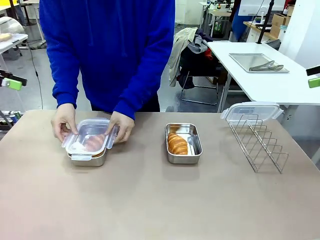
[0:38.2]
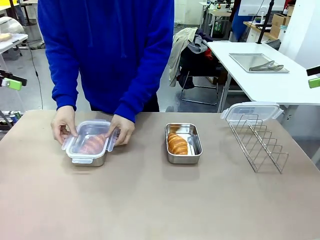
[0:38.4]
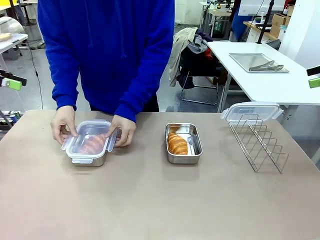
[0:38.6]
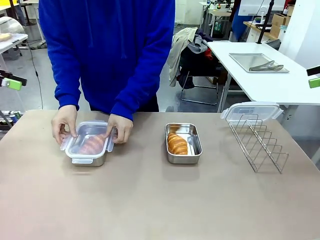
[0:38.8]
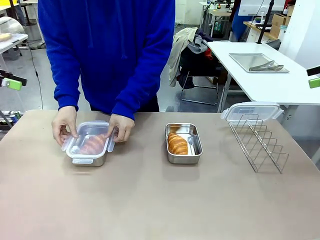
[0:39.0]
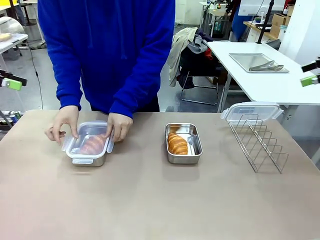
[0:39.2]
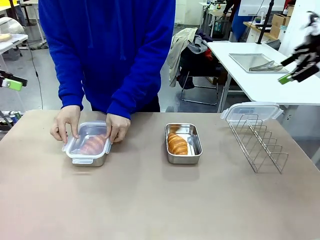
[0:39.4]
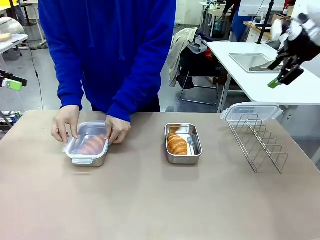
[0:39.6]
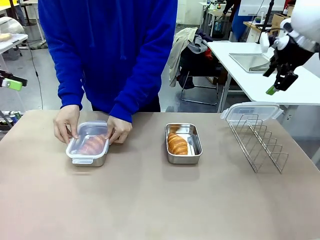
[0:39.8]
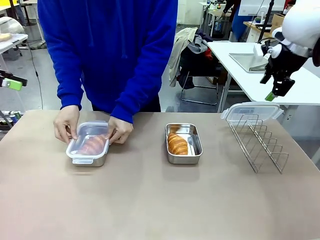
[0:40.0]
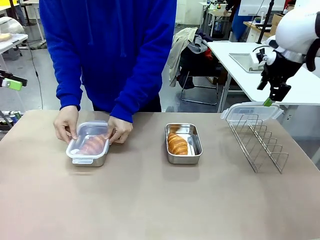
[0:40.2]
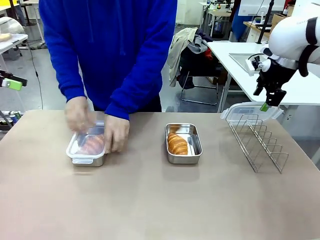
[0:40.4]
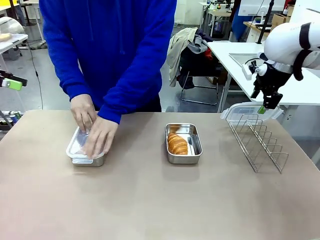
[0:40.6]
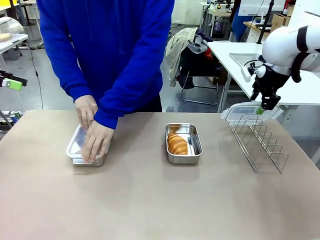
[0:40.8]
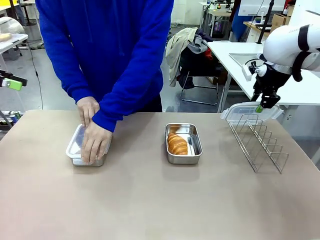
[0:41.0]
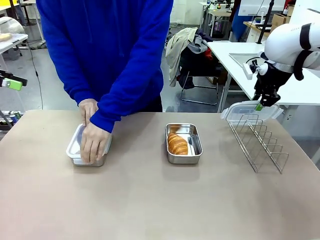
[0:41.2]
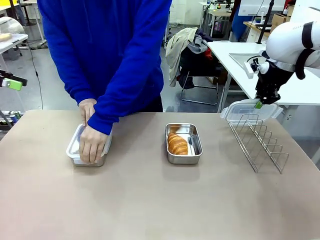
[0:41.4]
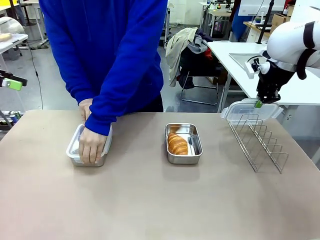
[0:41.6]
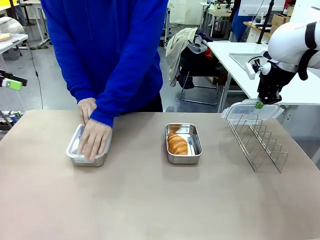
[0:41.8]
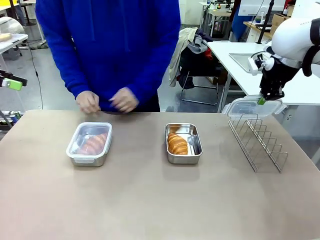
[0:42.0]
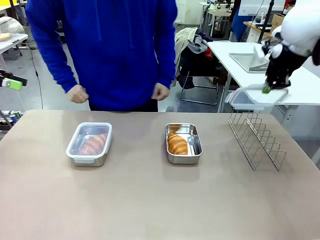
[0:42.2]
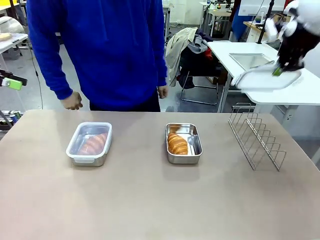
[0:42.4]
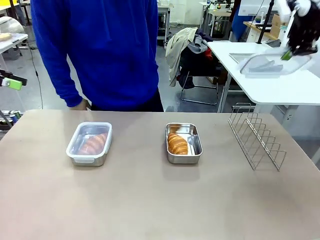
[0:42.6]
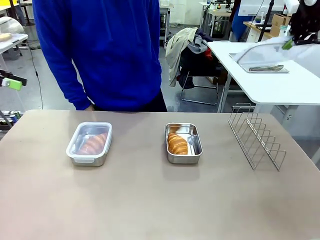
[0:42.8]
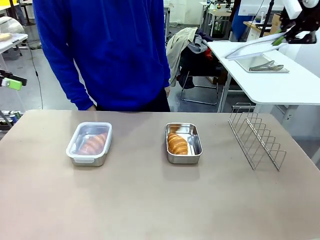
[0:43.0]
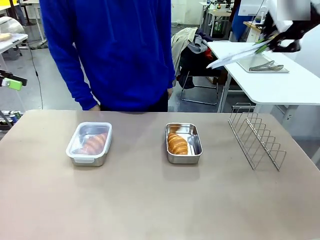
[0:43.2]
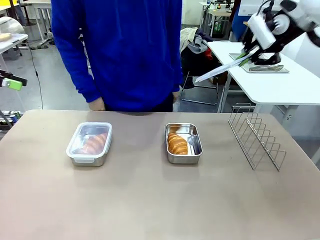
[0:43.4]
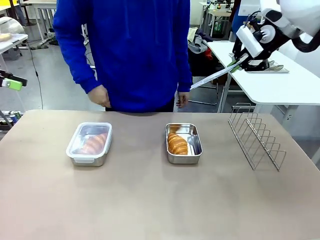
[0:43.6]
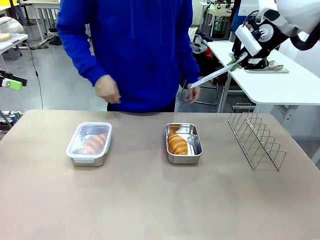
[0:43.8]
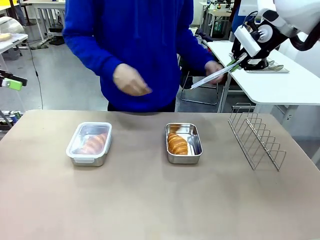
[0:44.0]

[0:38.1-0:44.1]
Task: Place the bread in airtight containers.
Robot: Pick up one Airtight Container lid and hand it to the human.
Person: Close Airtight Container with a handed Airtight Container lid. Grip Airtight Container lid that robot is handing.

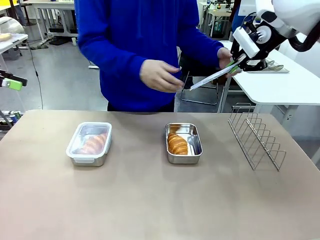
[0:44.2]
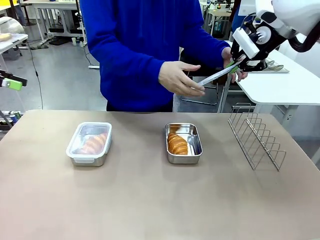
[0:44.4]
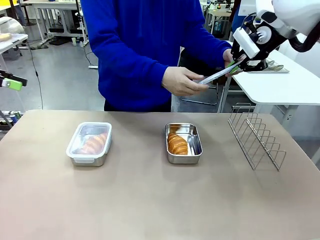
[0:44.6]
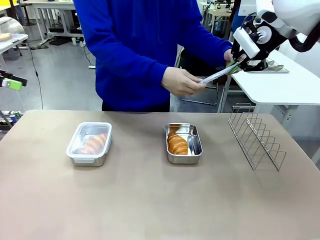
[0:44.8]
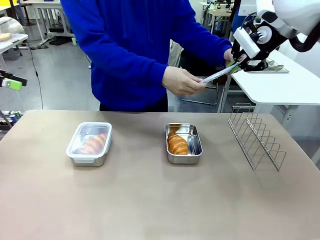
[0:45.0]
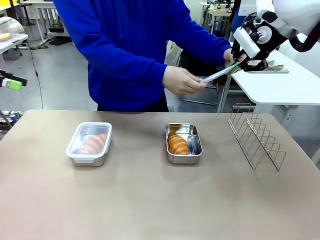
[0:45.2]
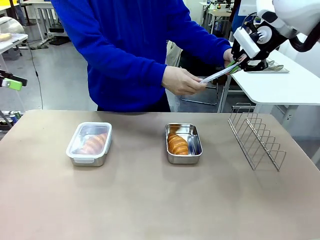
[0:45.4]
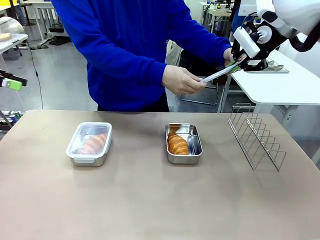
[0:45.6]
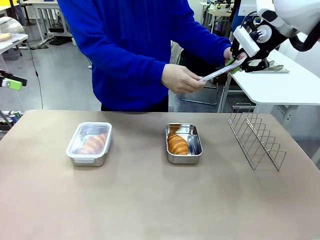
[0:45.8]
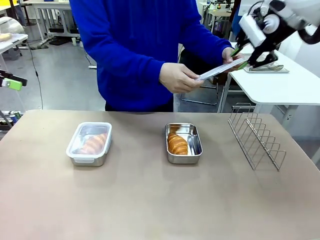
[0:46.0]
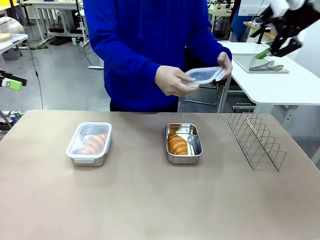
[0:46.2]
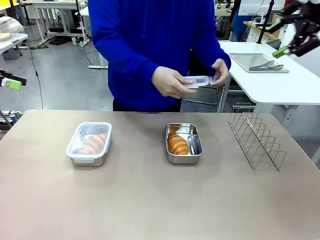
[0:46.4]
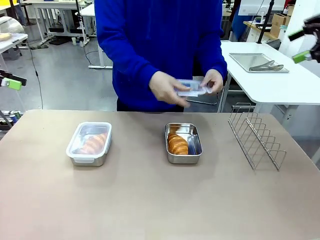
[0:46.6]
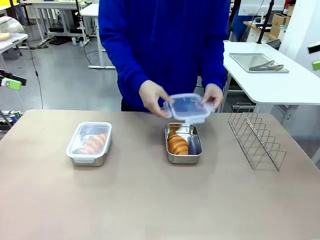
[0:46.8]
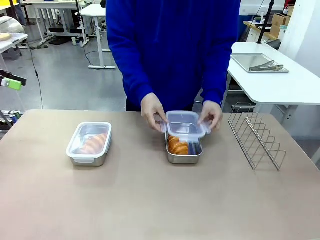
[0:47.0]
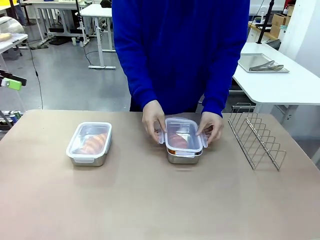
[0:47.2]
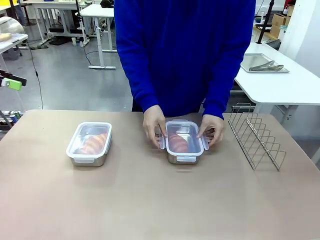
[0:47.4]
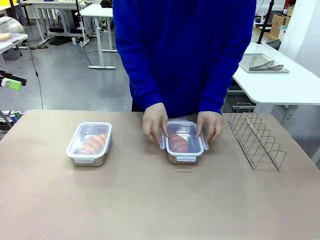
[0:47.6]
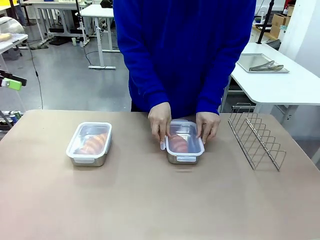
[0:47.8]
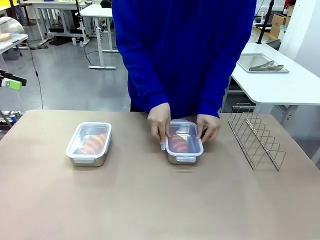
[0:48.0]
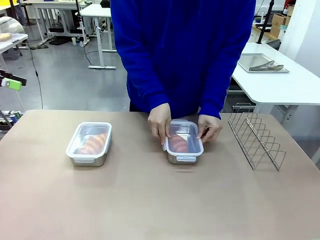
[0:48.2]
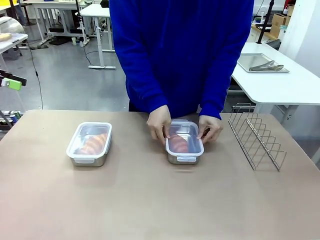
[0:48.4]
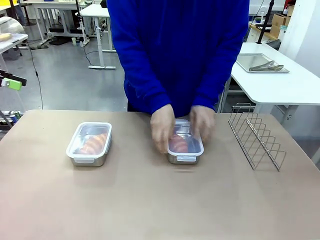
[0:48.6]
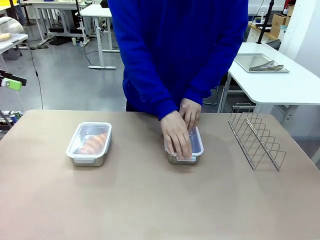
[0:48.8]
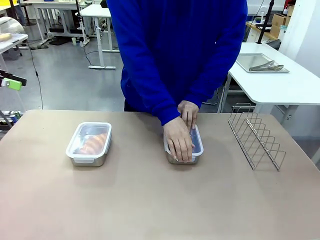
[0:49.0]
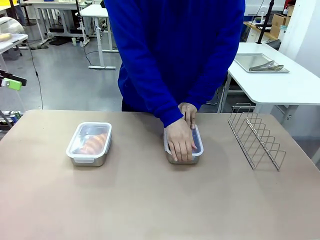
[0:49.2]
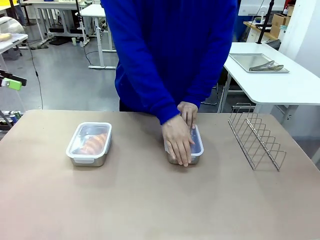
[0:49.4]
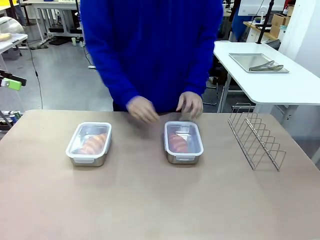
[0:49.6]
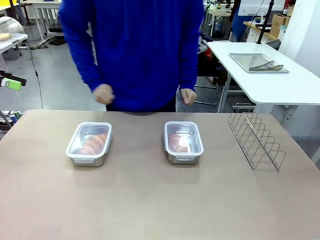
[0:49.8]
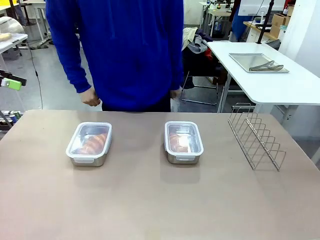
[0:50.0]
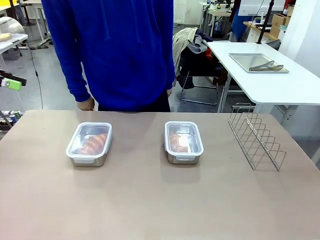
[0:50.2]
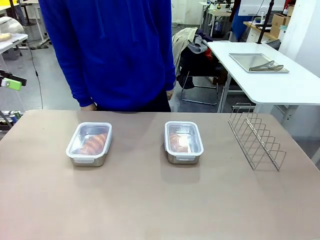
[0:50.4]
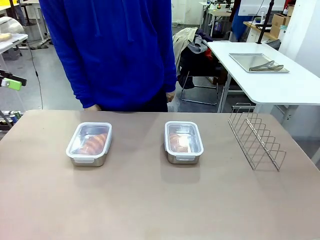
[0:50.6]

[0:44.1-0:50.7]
Robot: Release when the human grabs the Airtight Container lid.
Person: Close Airtight Container with a handed Airtight Container lid.

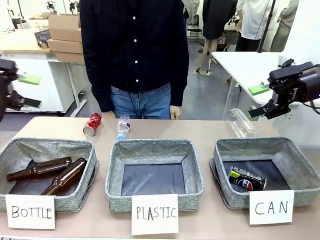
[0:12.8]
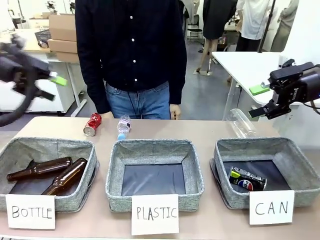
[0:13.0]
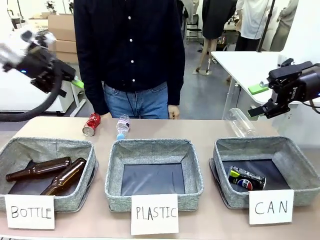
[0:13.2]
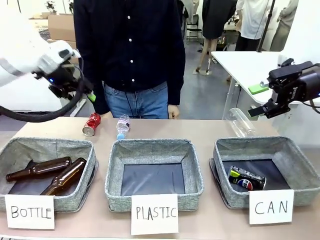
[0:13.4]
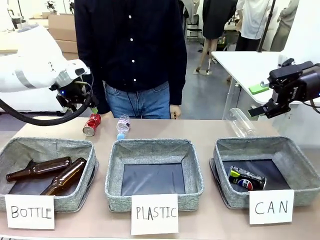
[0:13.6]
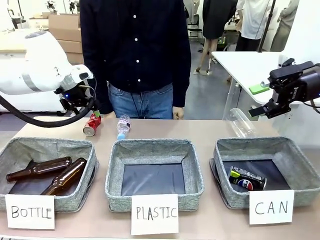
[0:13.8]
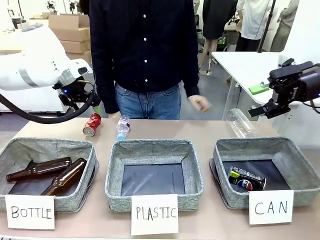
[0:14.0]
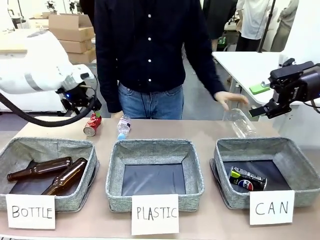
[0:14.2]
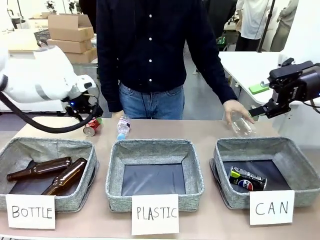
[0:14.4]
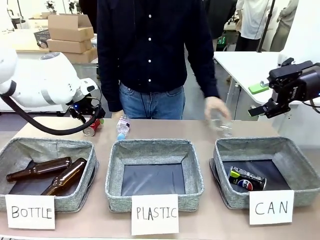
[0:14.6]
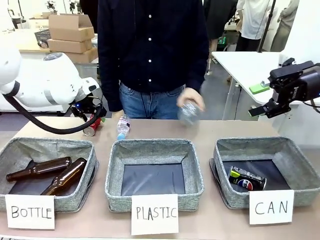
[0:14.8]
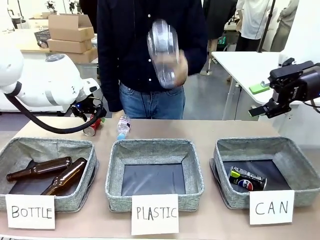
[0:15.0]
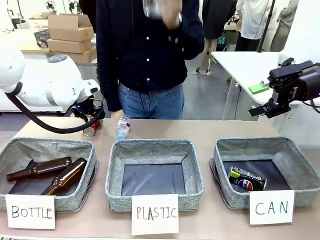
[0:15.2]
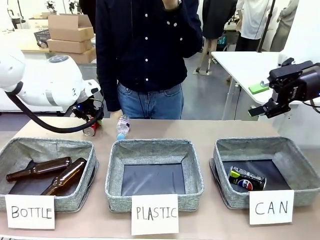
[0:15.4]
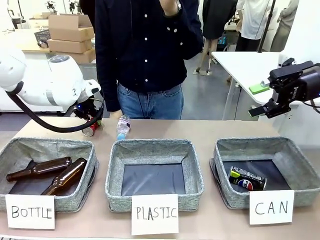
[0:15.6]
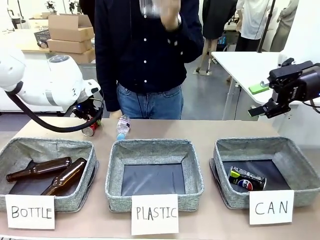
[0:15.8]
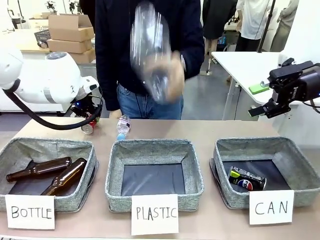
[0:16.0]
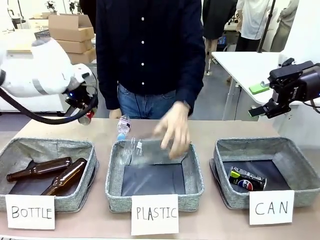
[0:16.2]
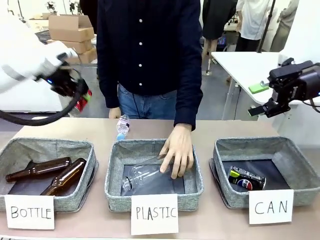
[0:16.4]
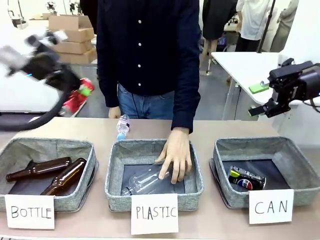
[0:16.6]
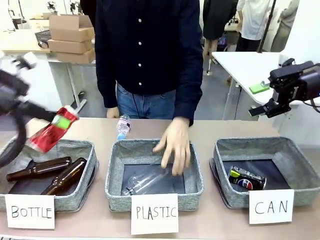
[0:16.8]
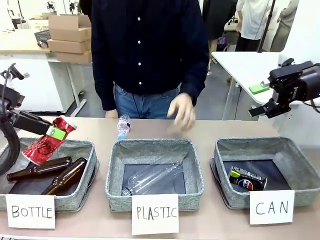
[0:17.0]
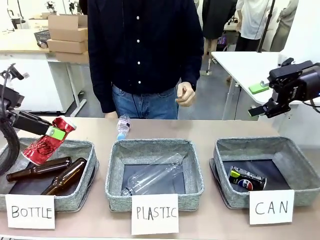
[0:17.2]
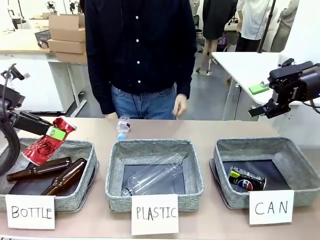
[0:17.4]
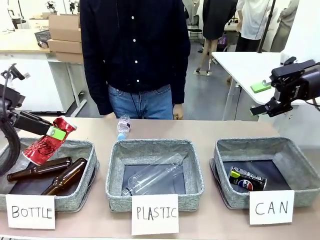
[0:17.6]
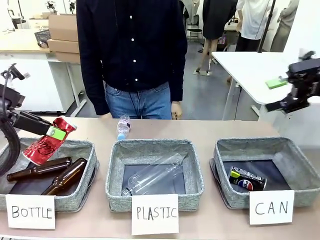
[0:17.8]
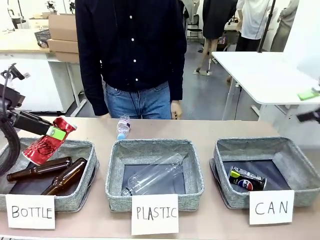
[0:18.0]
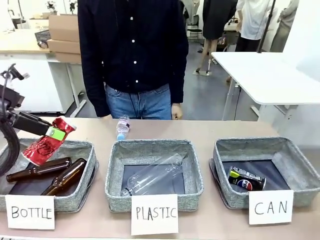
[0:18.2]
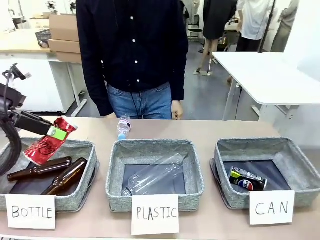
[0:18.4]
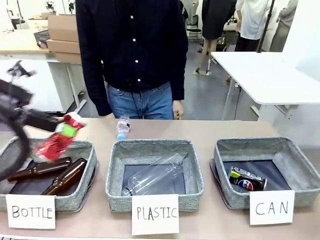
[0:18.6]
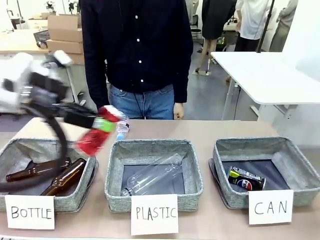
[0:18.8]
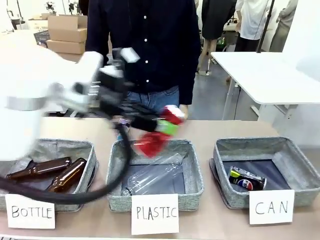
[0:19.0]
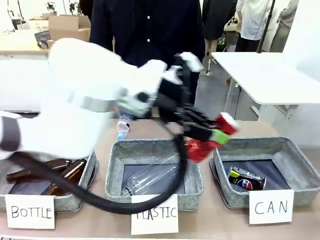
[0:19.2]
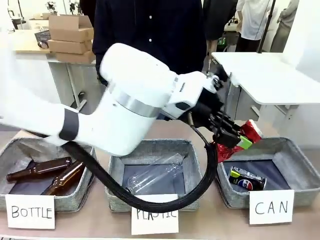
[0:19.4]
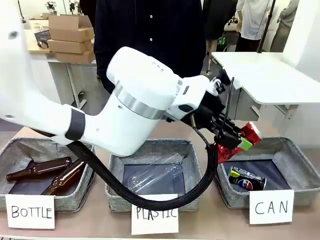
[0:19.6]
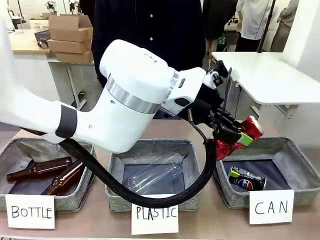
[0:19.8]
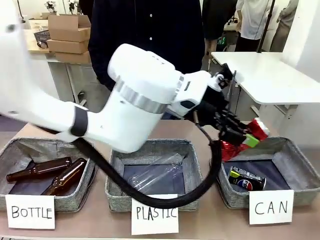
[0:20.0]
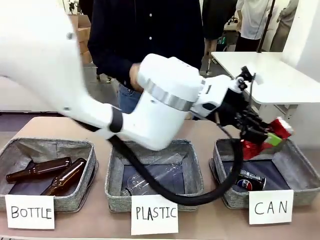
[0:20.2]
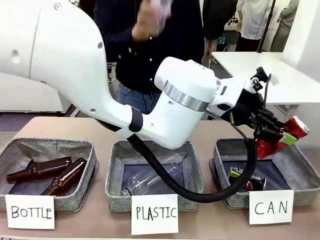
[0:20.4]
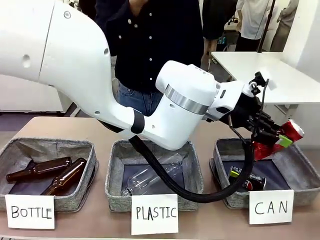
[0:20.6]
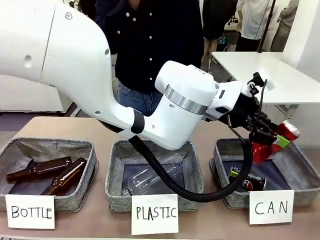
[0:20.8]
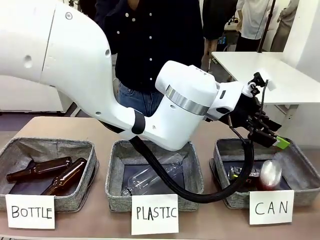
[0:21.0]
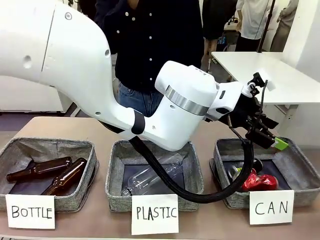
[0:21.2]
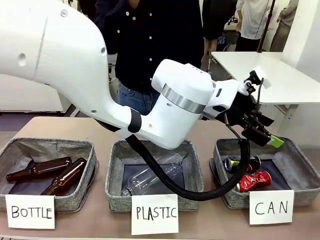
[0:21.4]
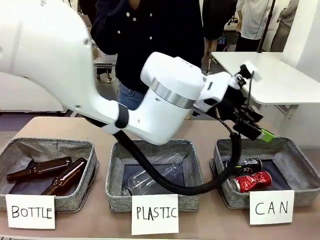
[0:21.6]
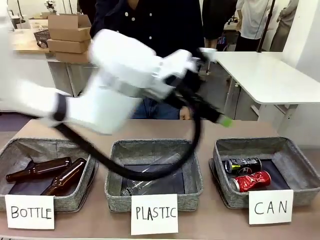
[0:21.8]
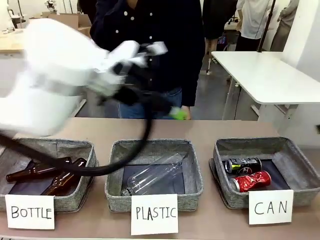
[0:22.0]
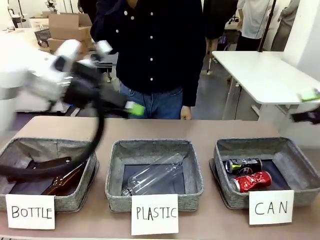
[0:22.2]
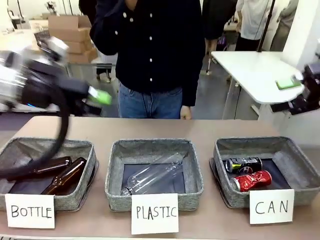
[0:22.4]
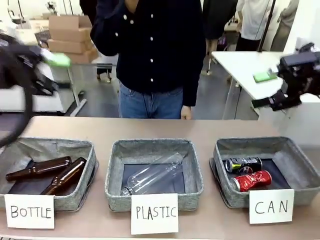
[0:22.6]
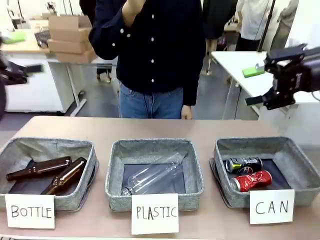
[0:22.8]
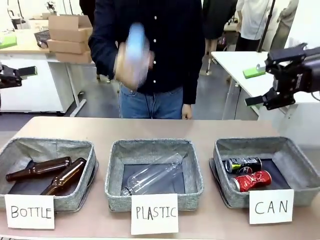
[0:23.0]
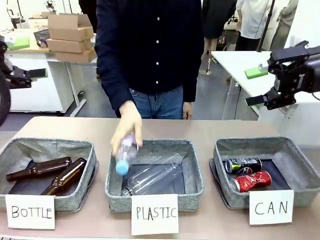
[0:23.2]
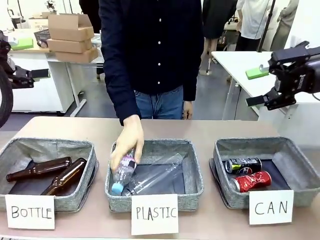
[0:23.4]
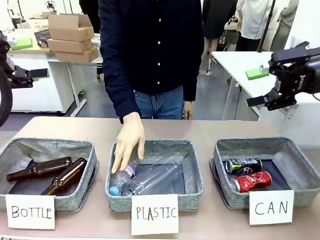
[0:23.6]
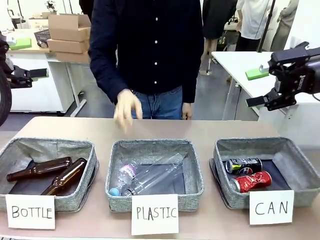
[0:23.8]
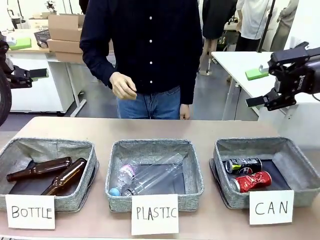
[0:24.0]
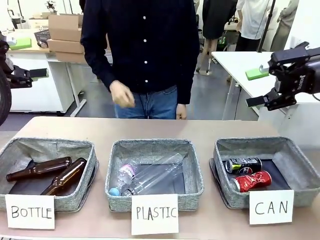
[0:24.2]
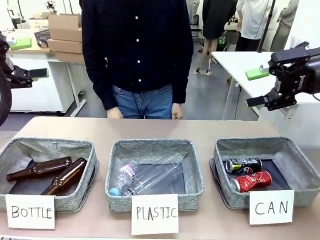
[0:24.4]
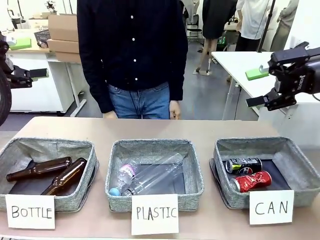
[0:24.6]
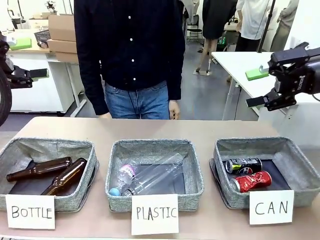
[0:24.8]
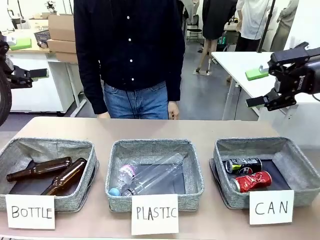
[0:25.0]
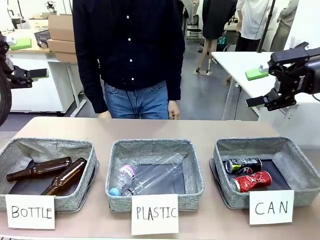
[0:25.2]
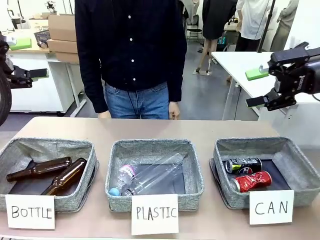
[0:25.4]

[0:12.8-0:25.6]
Task: Sort the can waste into the basket.
Robot: Pick up the can waste from the table and place it in the right Fabric basket.
